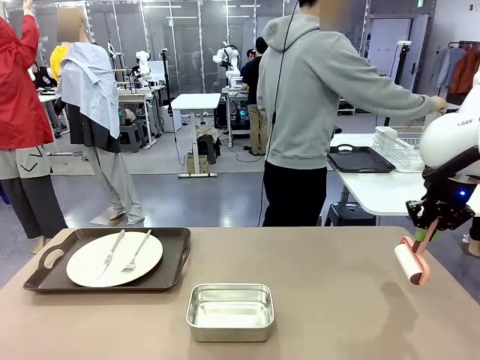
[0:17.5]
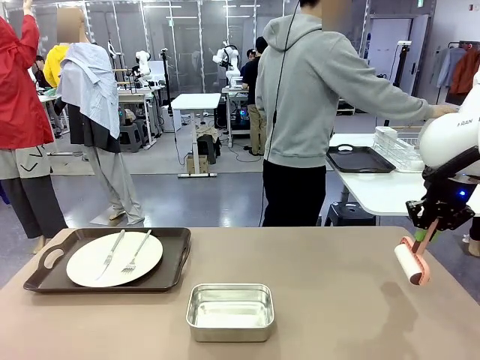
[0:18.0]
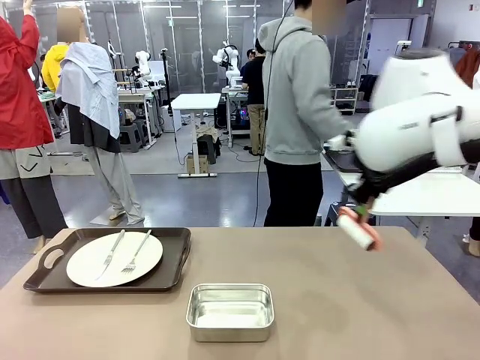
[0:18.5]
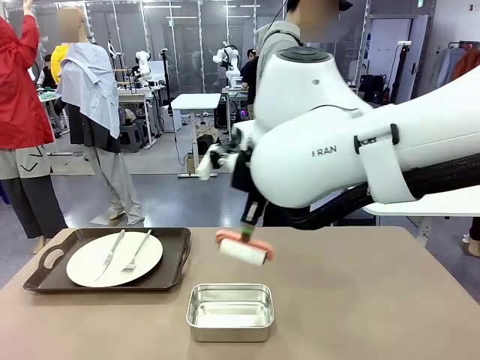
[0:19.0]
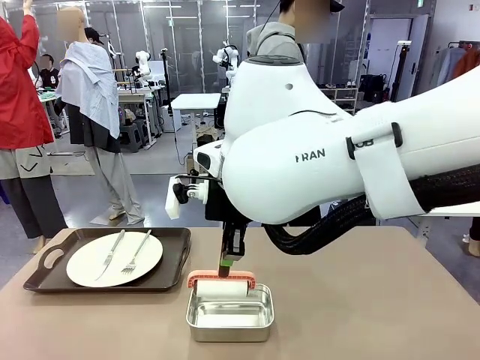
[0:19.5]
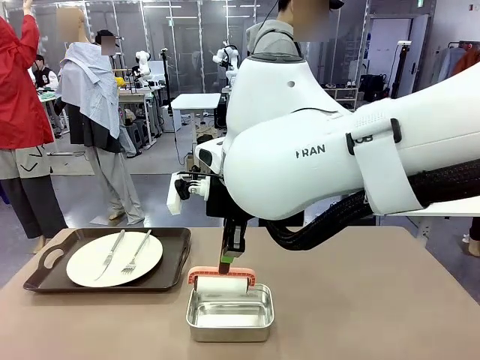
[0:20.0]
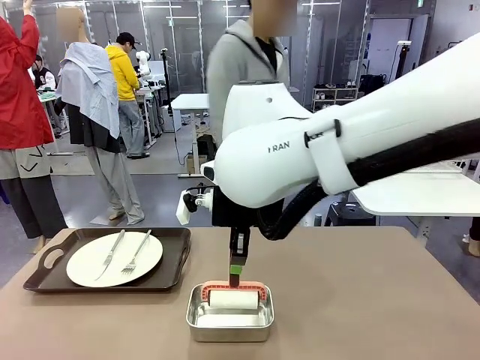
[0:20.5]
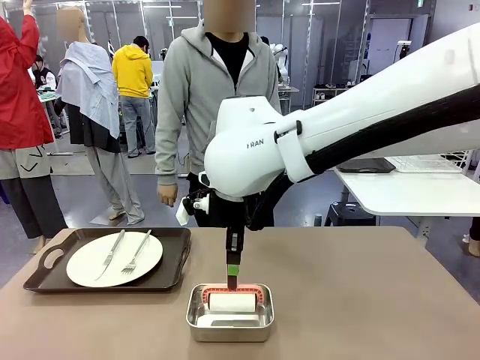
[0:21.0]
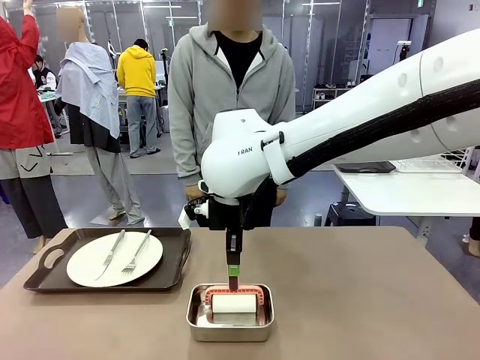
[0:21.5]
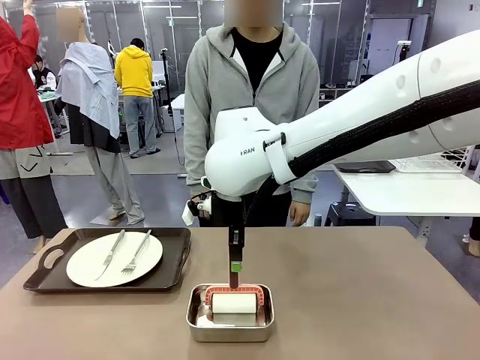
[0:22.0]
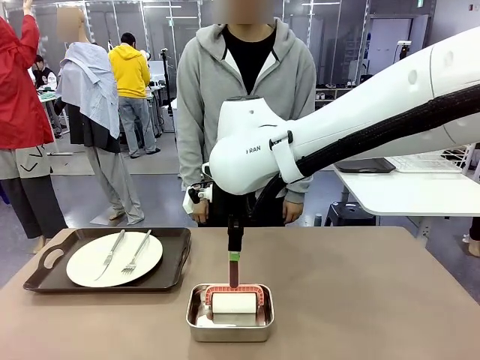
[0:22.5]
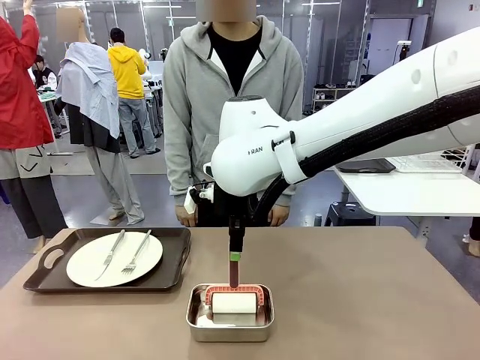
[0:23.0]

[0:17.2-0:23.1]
Robot: Place the Lint Roller back on top of the Airtight Container.

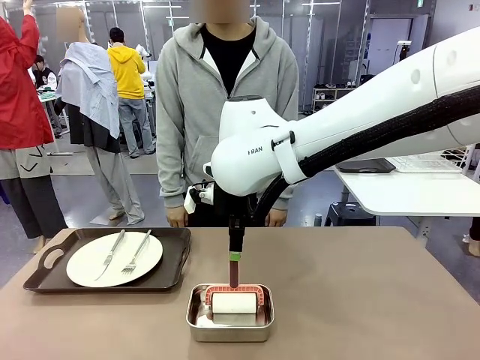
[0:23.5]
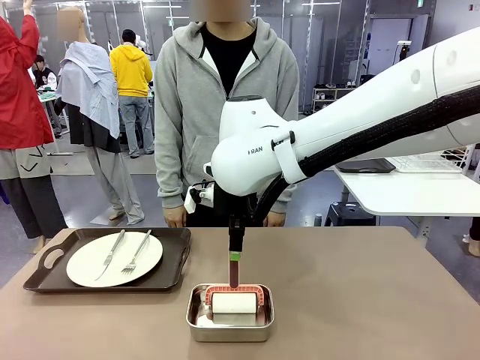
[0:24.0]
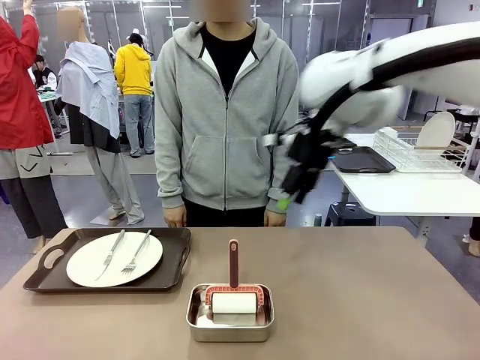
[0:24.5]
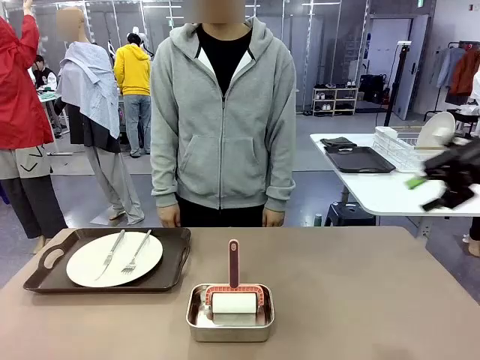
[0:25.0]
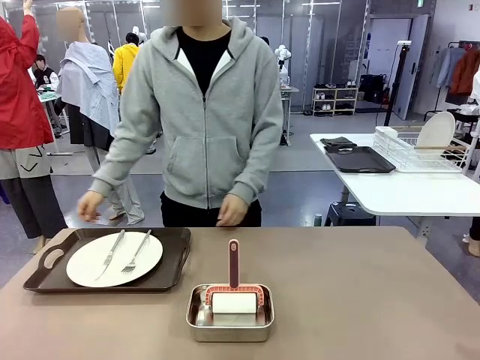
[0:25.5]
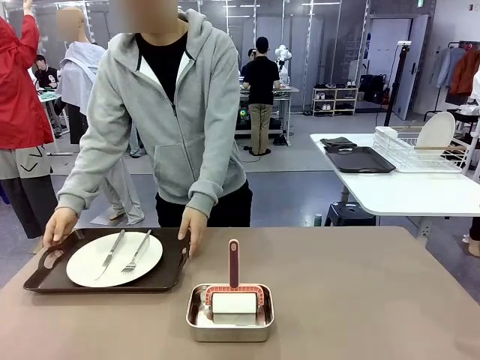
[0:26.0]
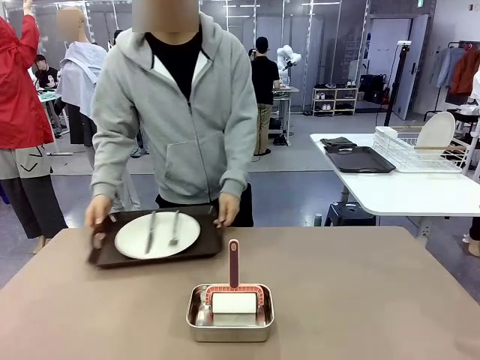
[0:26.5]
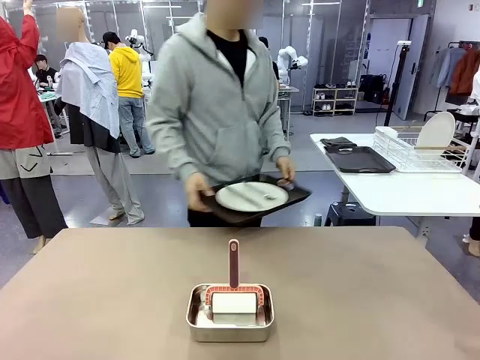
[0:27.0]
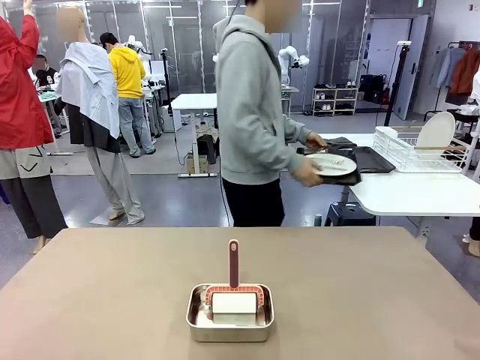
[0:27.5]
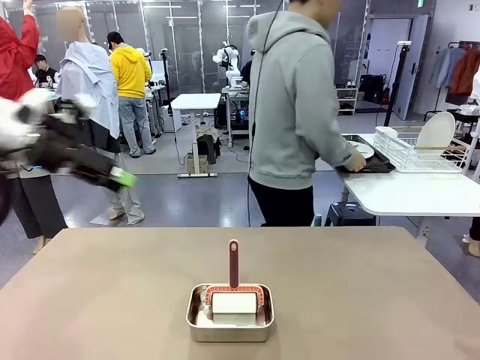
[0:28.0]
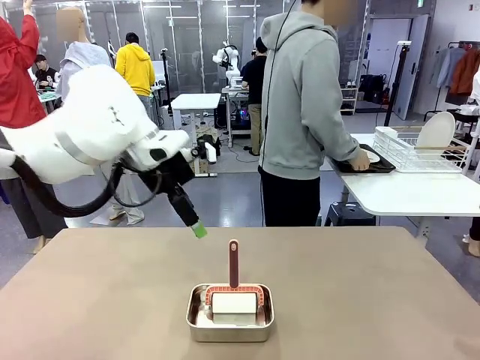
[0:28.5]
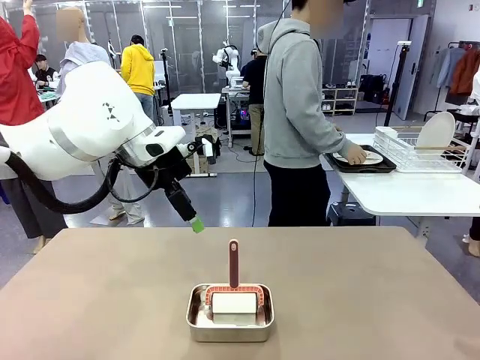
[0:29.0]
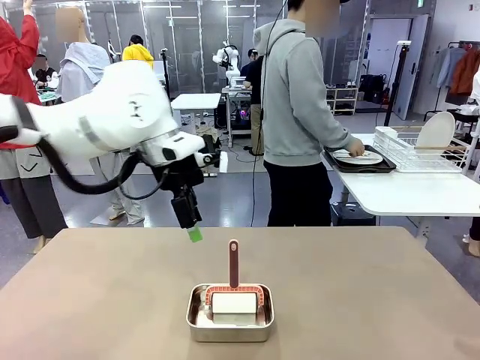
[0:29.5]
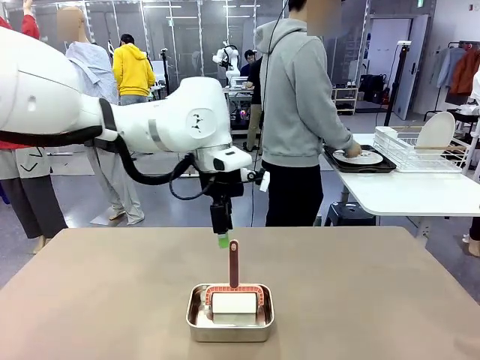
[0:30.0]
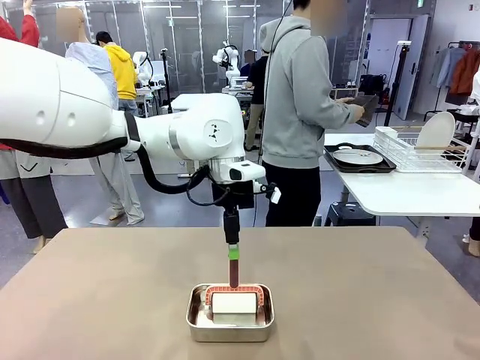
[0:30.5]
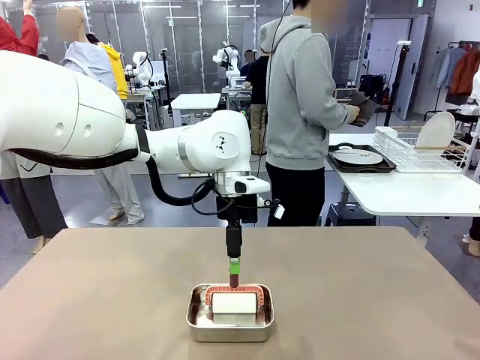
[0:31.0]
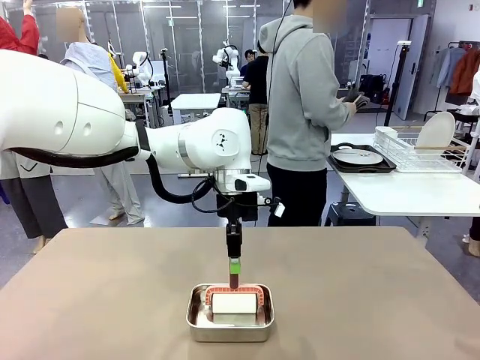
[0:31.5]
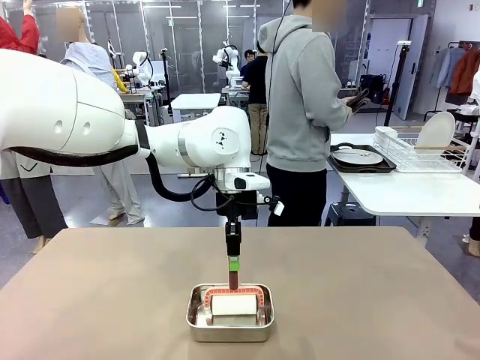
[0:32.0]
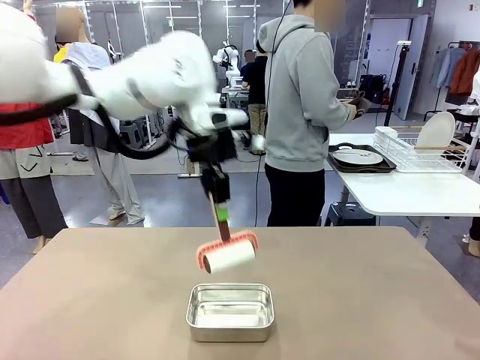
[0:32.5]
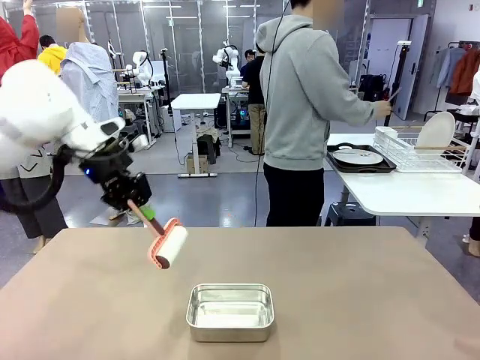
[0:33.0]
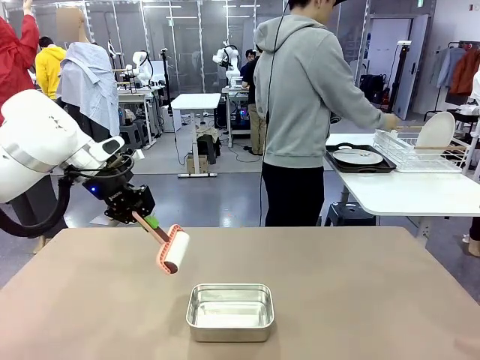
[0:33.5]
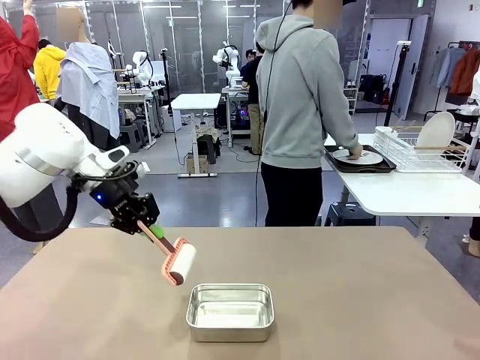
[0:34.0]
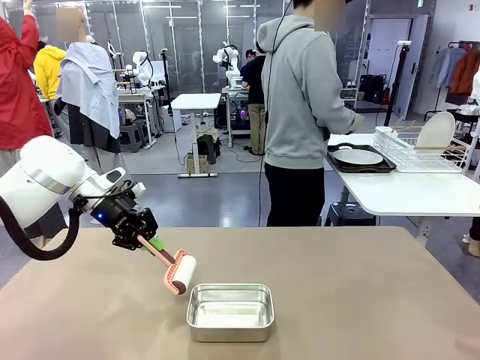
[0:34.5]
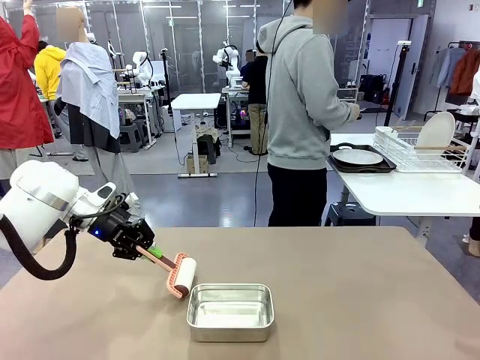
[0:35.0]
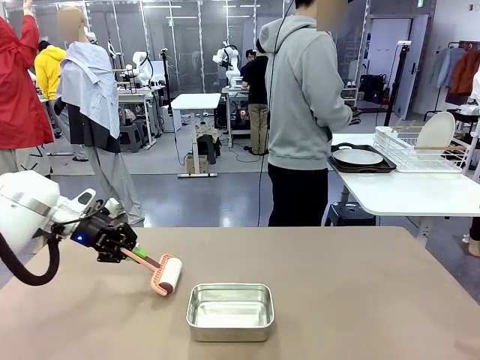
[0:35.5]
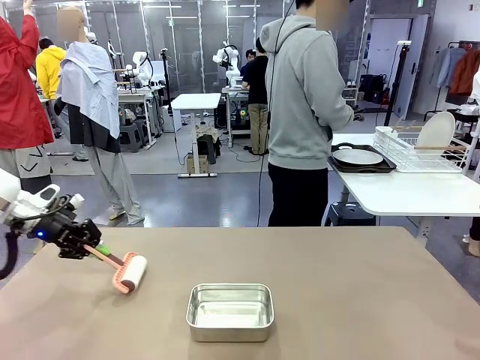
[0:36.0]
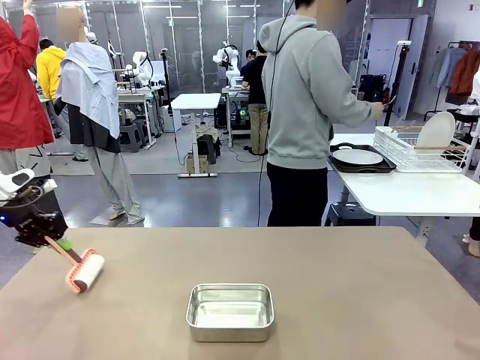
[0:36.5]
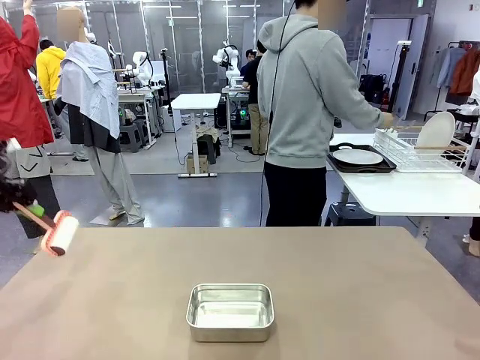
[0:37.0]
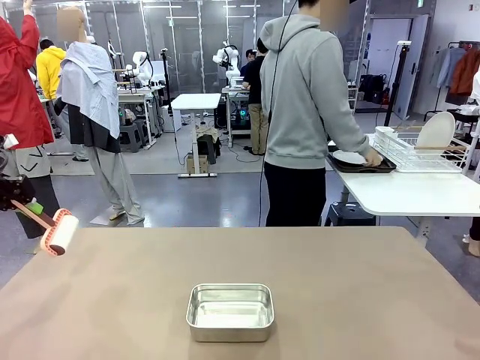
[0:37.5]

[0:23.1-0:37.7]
Robot: When the right (or left) Handle tray is removed, use the right hand (or left hand) to clean the right (or left) side of the table with the Lint Roller.
Person: Pick up the left (or right) Handle tray and place it on the Handle tray.

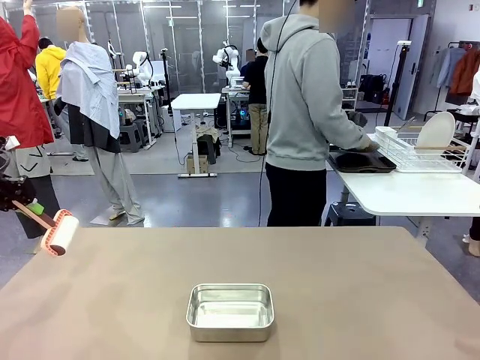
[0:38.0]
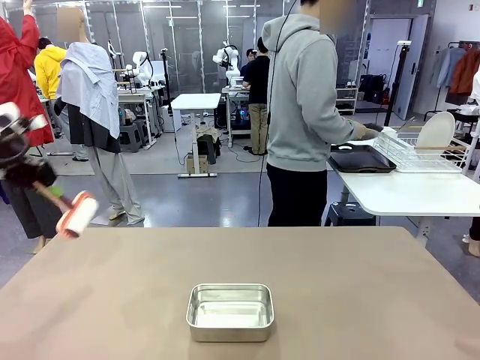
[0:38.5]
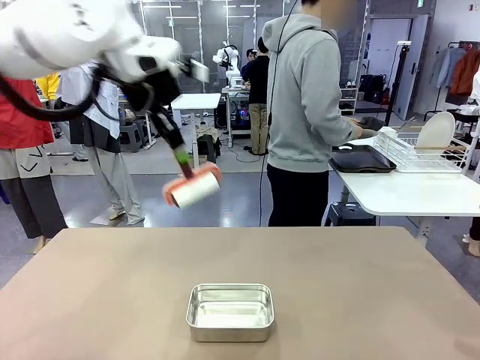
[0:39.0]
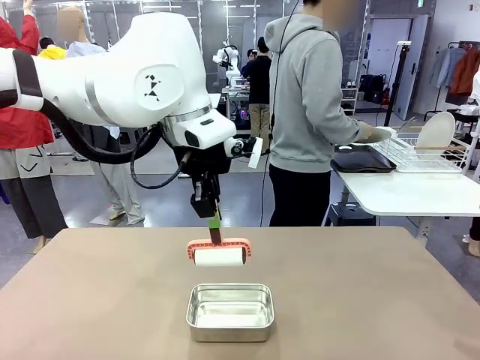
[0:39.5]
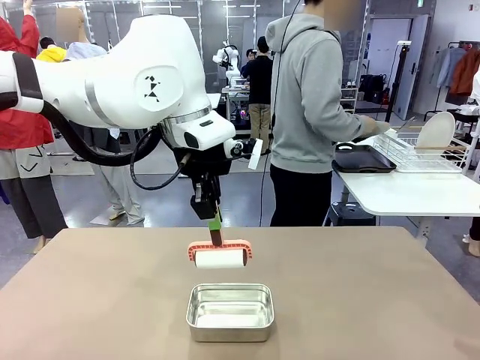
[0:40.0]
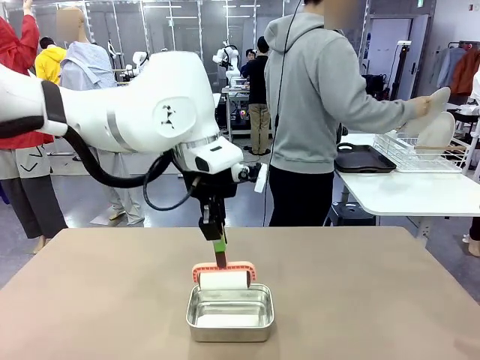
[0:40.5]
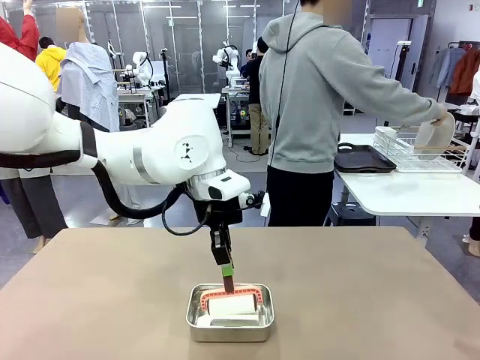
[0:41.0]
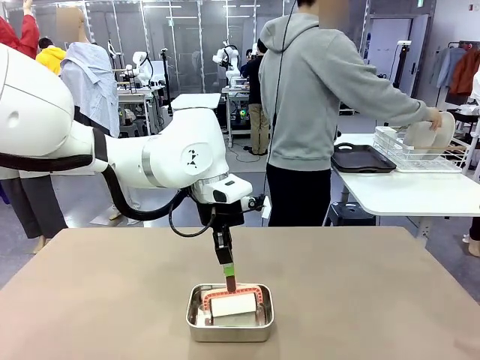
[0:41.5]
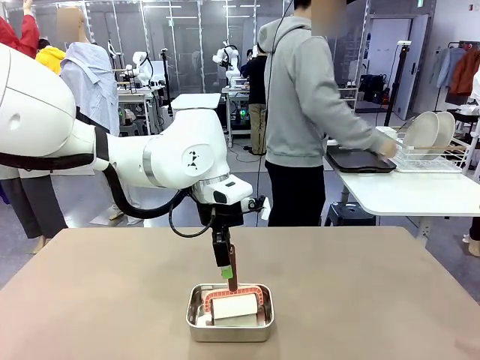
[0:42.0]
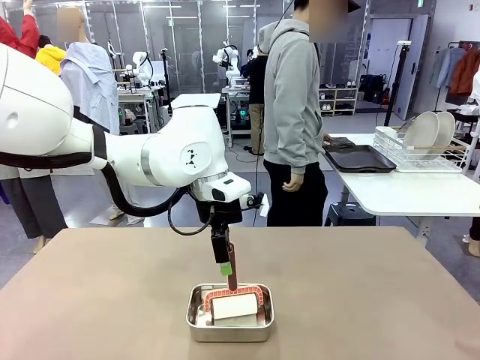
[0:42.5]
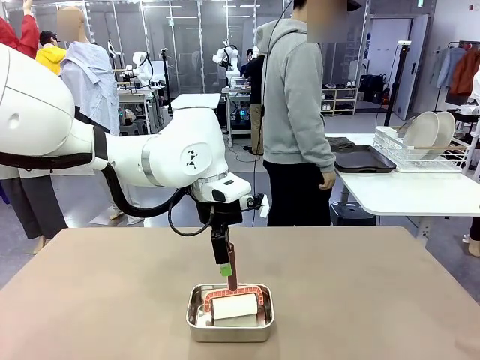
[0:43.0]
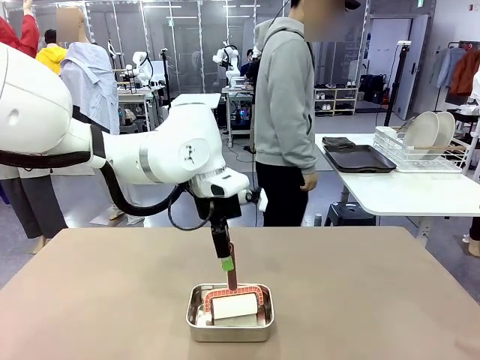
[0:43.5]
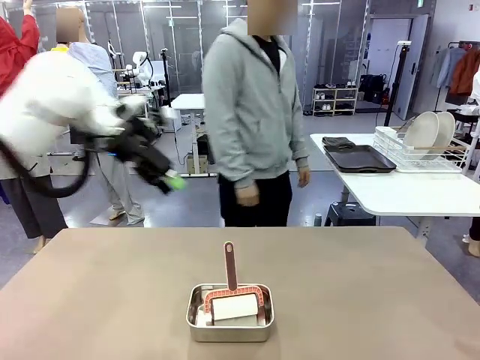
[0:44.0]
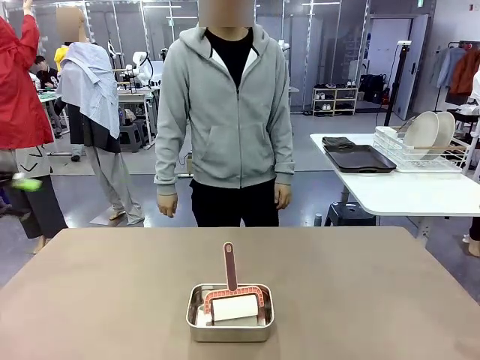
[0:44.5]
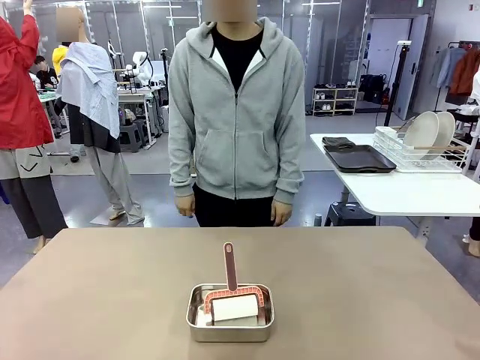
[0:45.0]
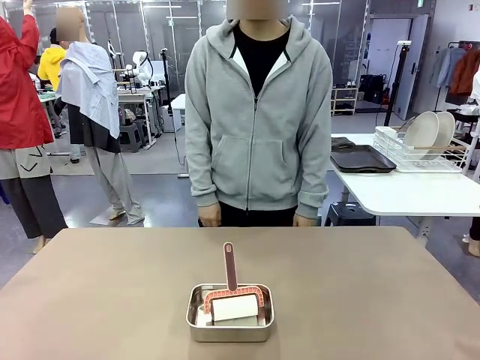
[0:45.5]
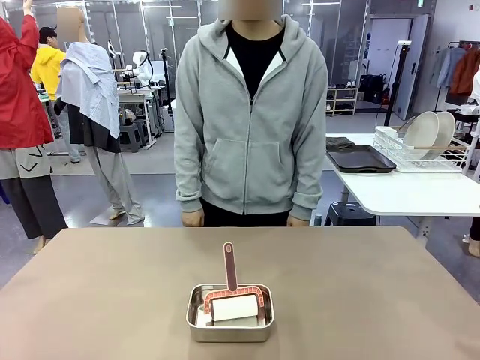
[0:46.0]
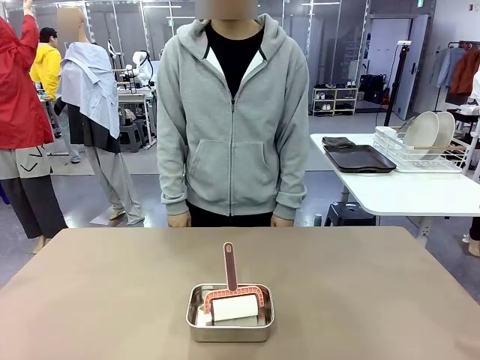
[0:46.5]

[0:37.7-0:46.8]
Robot: Place the Lint Roller back on top of the Airtight Container.
Person: Use the Towel with hook to wipe the Plastic Matte Plate , Fork , and Knife and place into the Dish drying rack.
